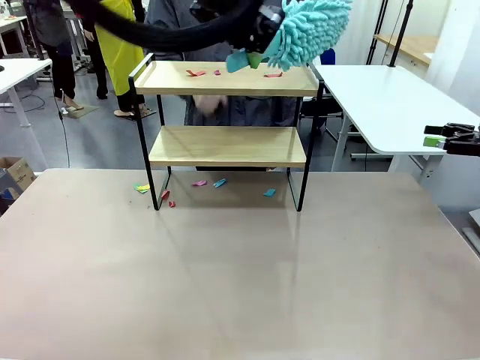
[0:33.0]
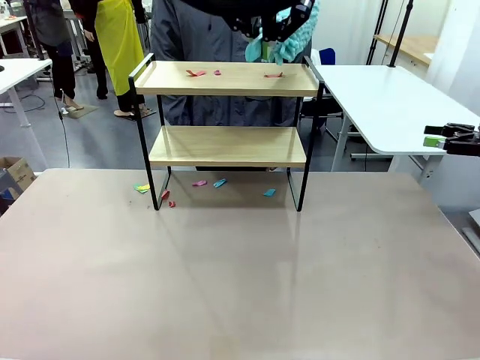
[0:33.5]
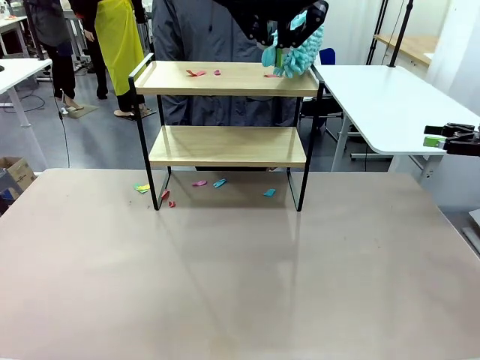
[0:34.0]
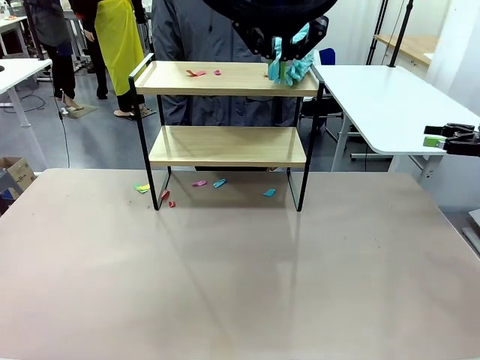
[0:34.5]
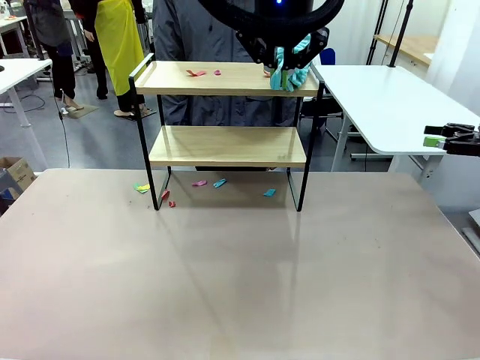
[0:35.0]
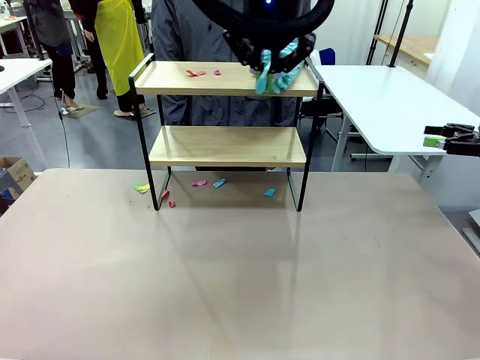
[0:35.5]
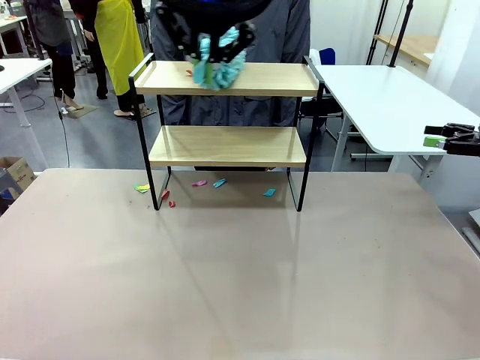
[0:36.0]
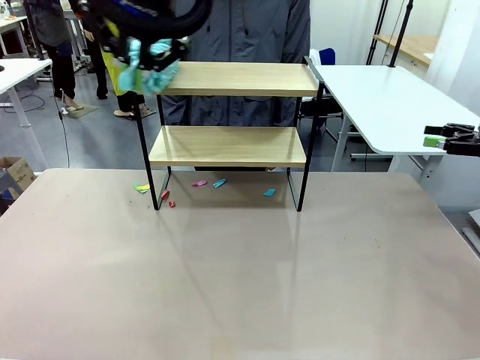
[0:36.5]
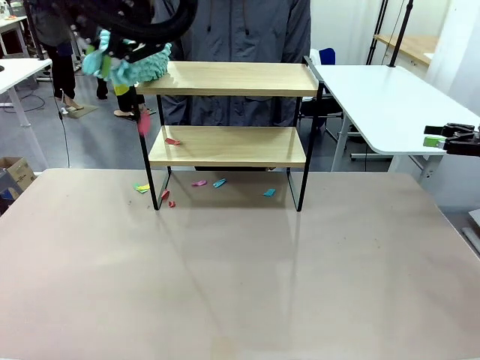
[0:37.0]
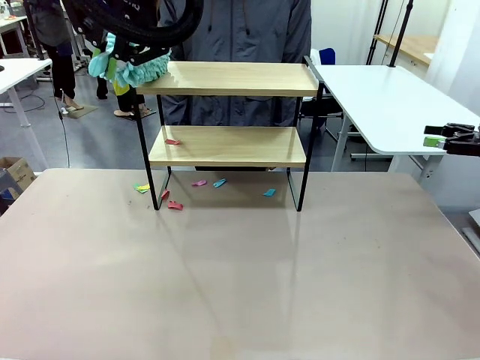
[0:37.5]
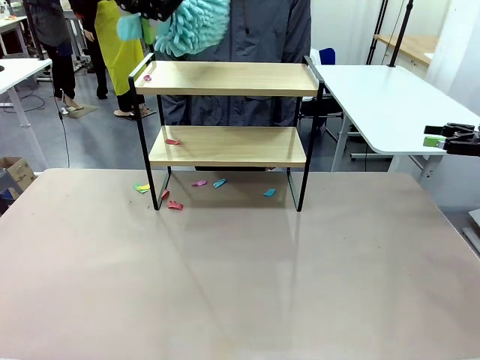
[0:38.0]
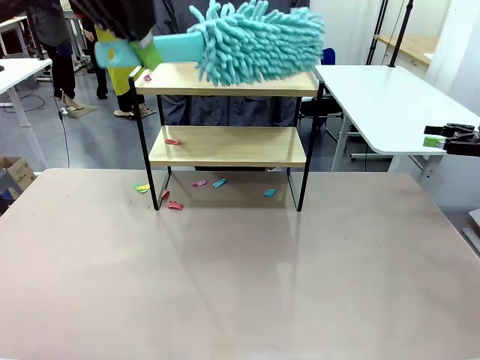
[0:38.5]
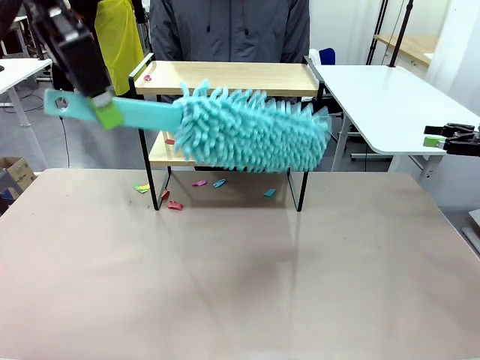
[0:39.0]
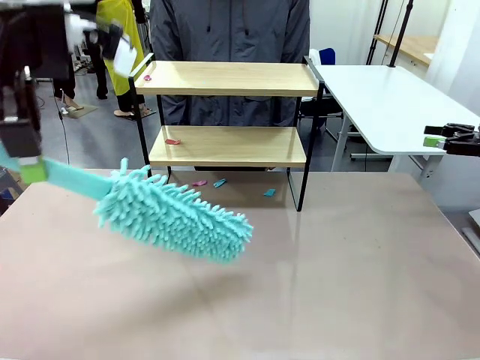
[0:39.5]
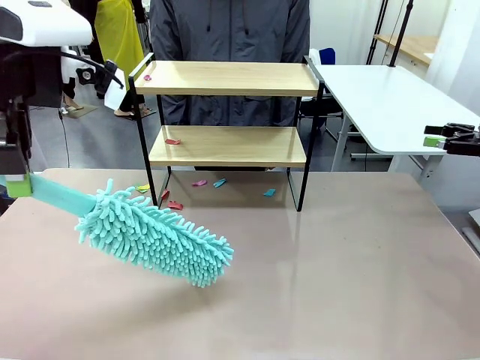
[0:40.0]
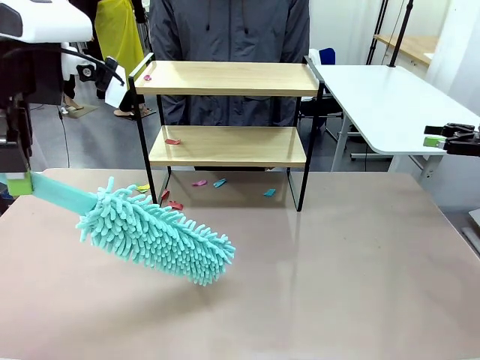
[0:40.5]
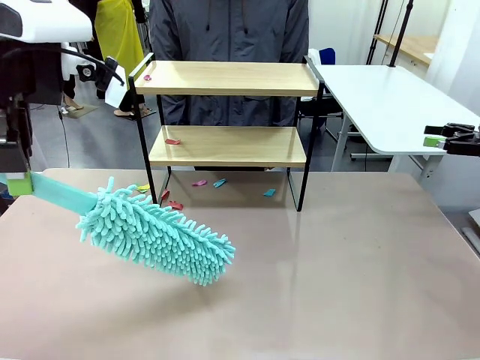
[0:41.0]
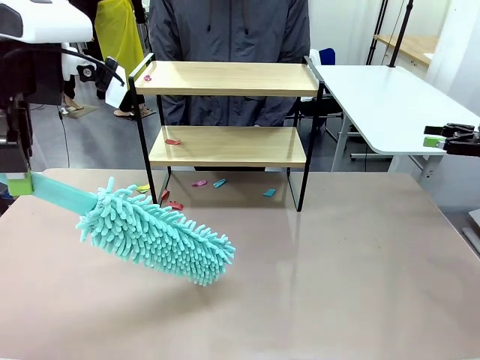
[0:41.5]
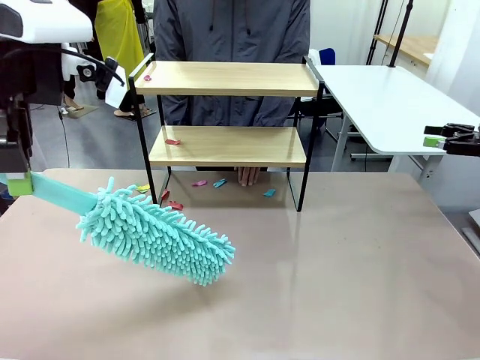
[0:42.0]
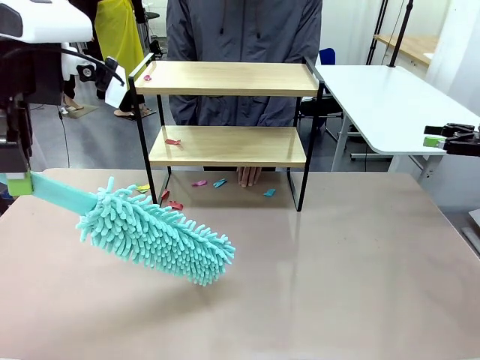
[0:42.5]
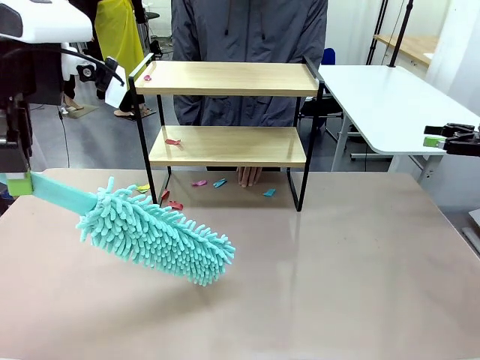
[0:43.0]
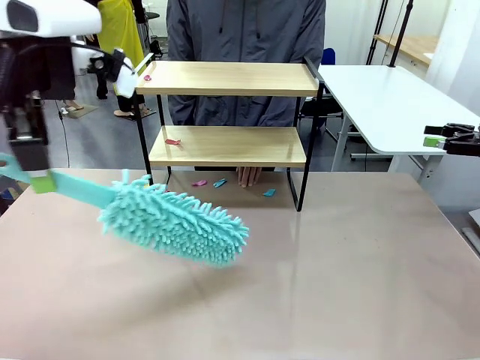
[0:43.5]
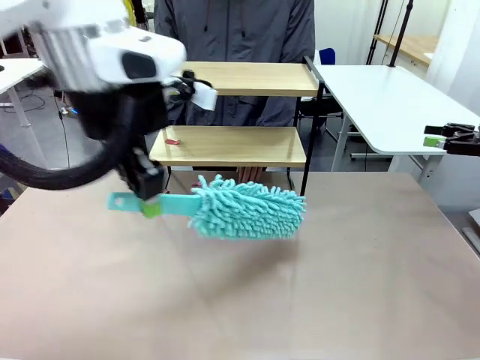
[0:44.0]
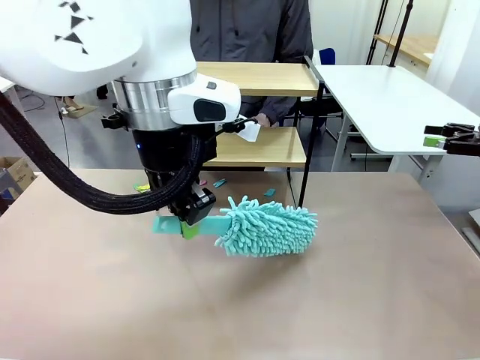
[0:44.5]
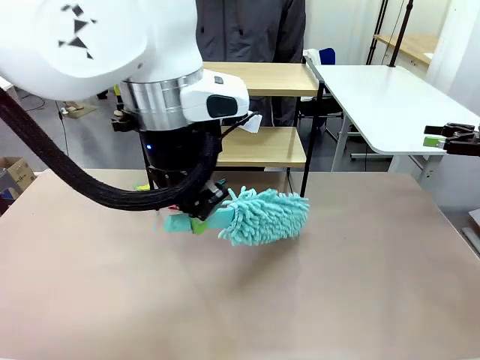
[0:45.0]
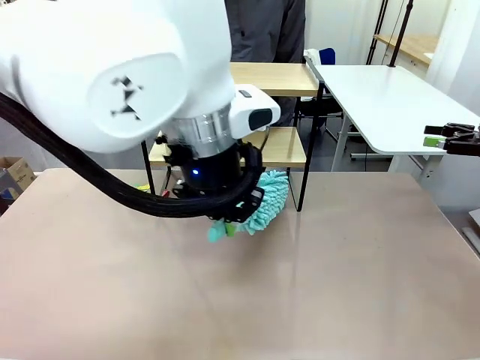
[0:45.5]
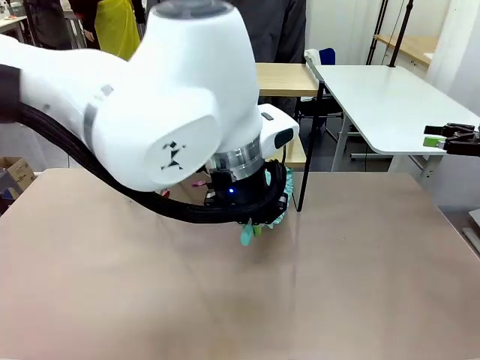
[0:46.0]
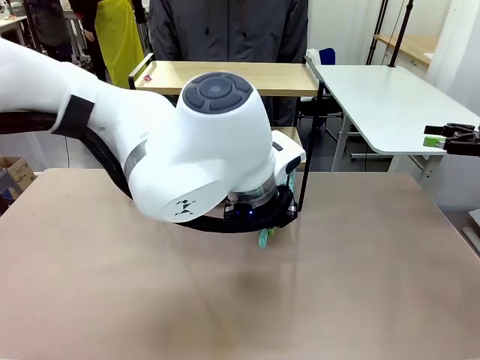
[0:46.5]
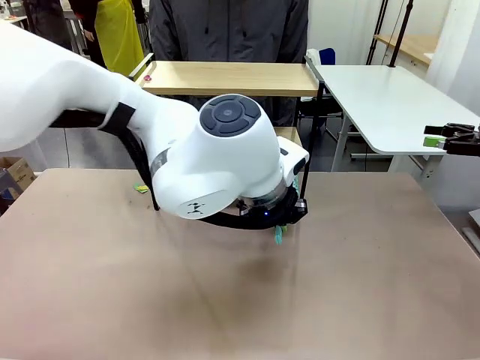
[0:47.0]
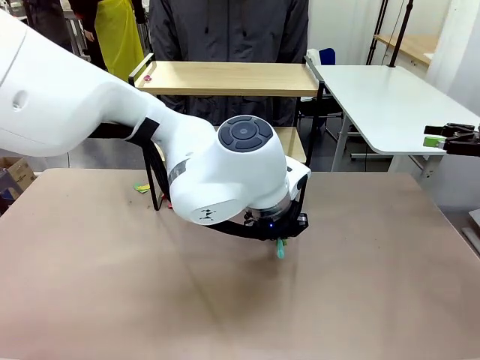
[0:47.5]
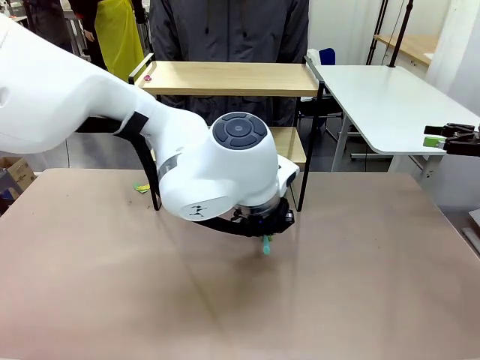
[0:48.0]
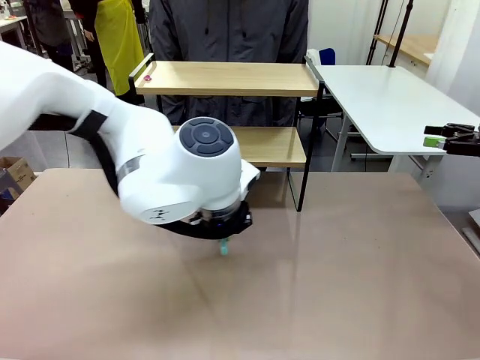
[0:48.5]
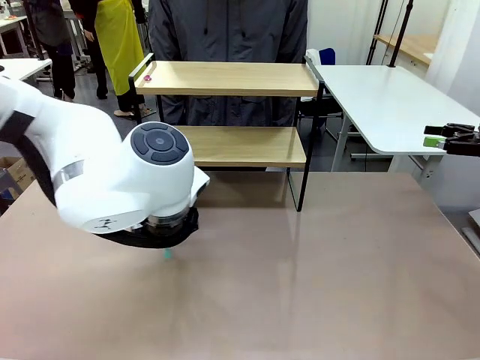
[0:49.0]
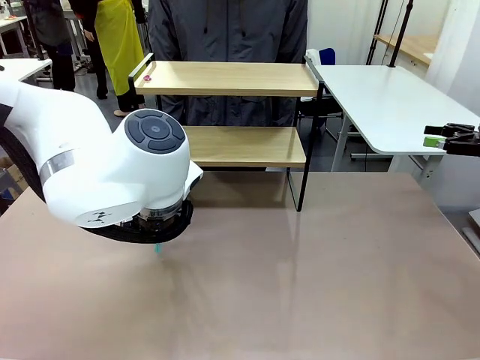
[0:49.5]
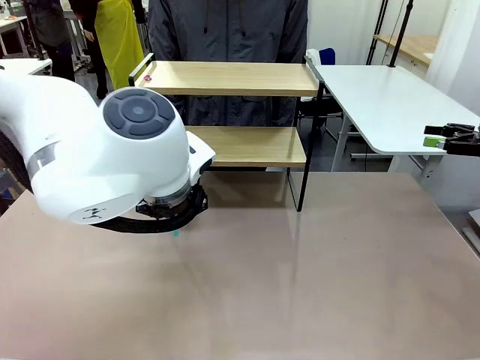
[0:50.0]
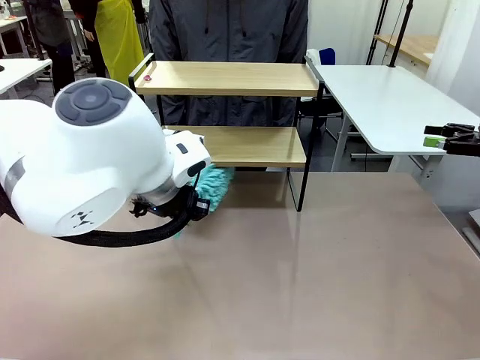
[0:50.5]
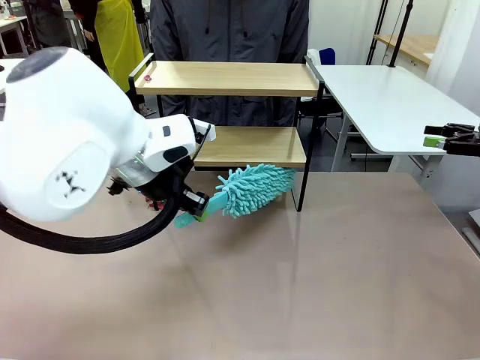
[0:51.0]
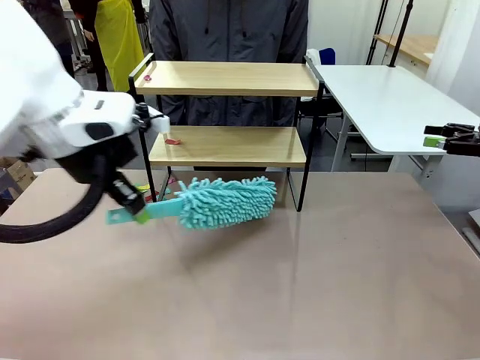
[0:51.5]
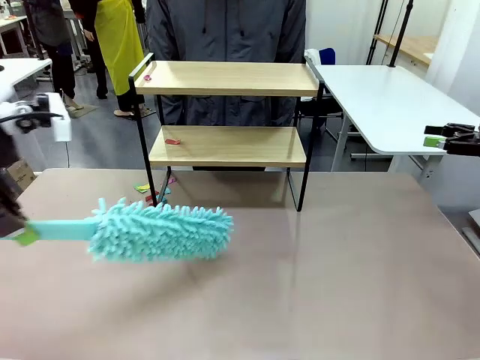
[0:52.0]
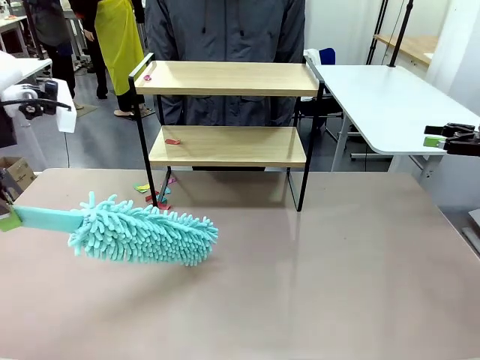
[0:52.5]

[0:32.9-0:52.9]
Task: Clean the shelf.
Robot: Clean the specific section of the Shelf indicated by the human with the Duster.
Person: Point a remaining section of the Shelf.

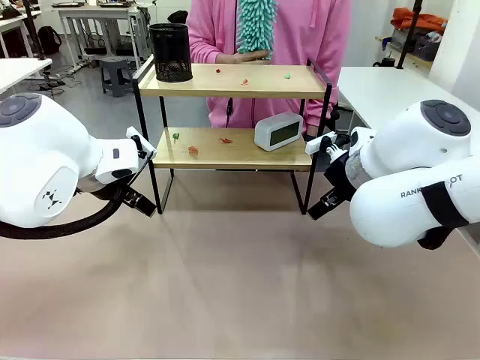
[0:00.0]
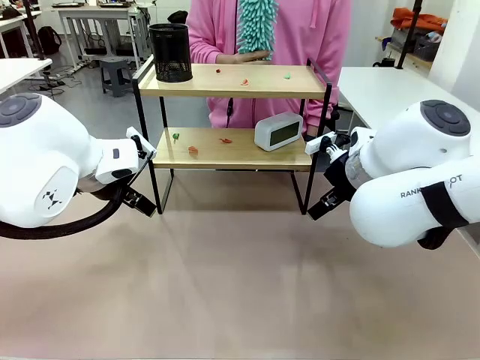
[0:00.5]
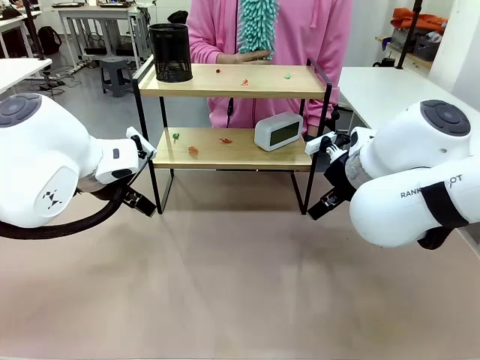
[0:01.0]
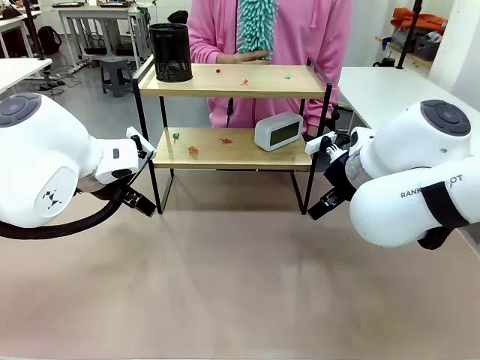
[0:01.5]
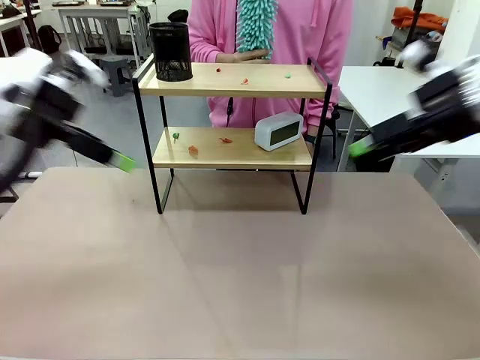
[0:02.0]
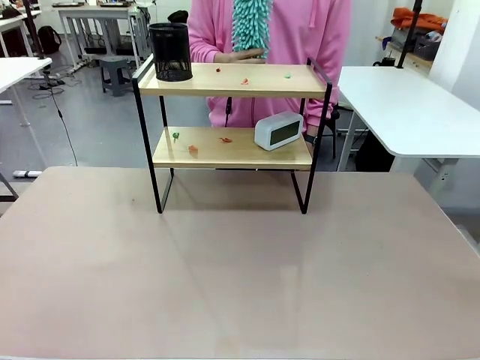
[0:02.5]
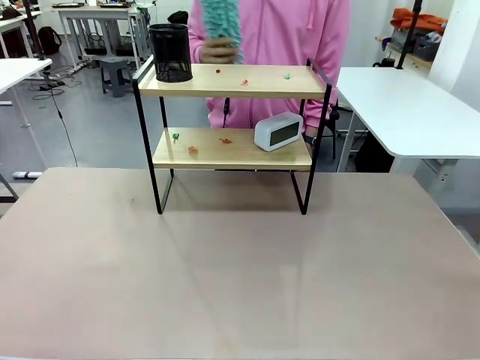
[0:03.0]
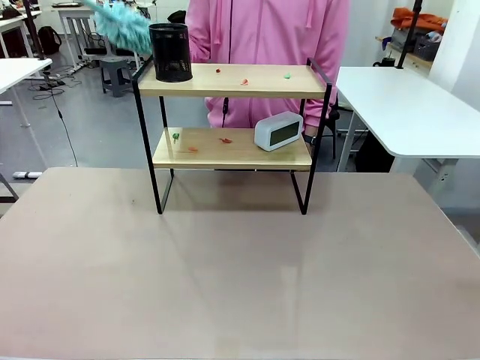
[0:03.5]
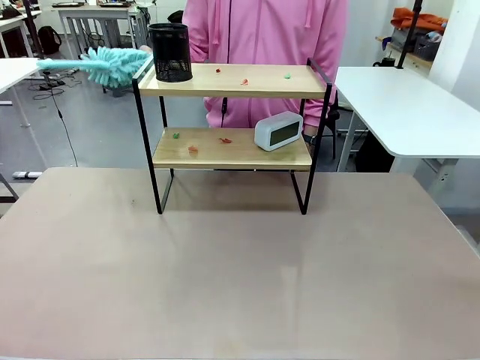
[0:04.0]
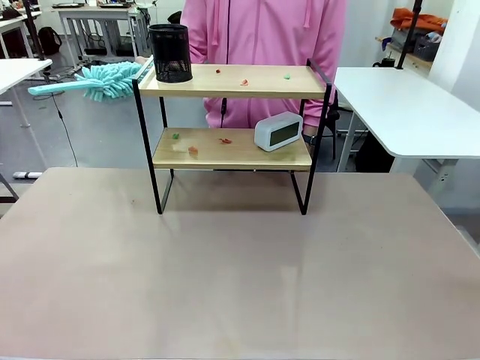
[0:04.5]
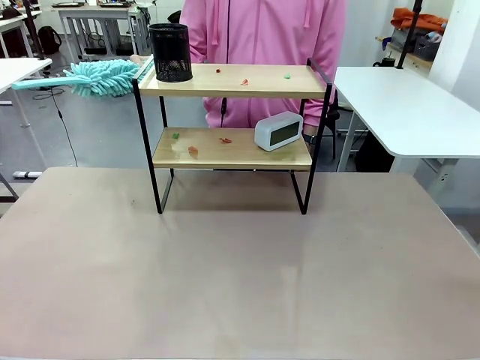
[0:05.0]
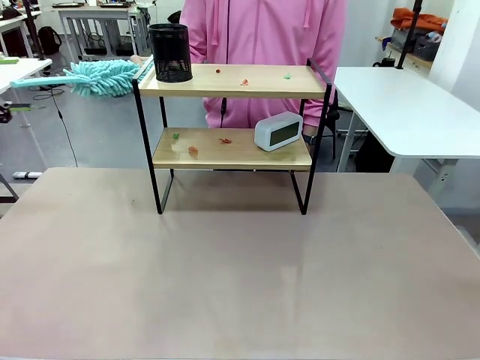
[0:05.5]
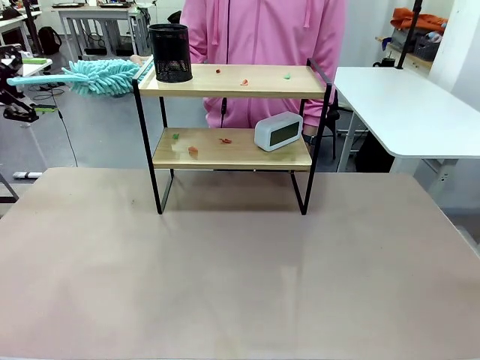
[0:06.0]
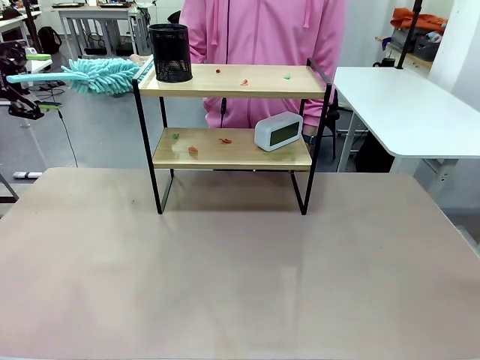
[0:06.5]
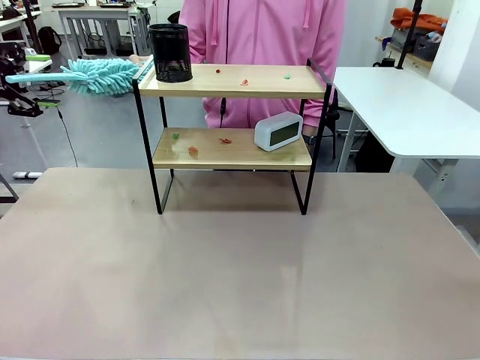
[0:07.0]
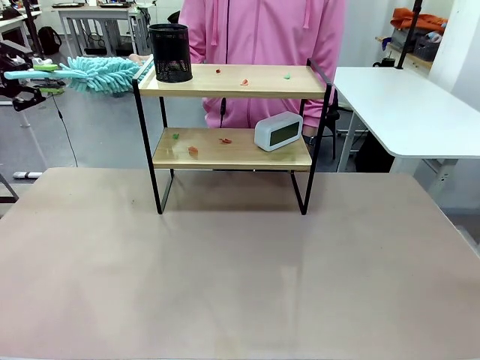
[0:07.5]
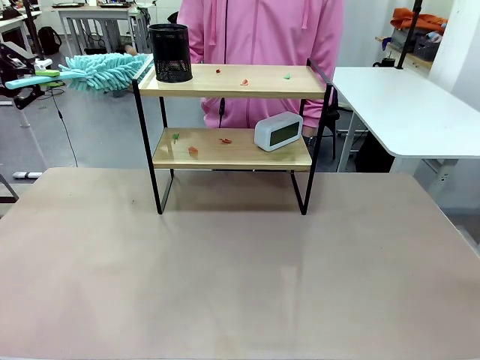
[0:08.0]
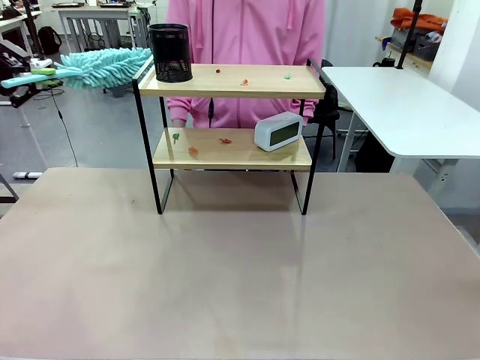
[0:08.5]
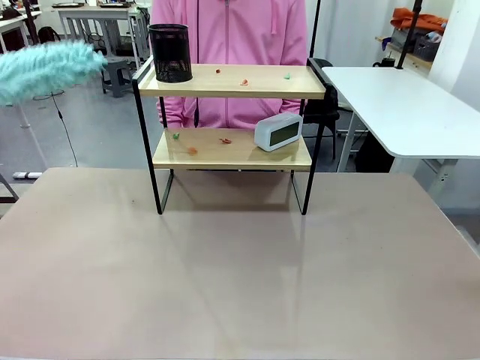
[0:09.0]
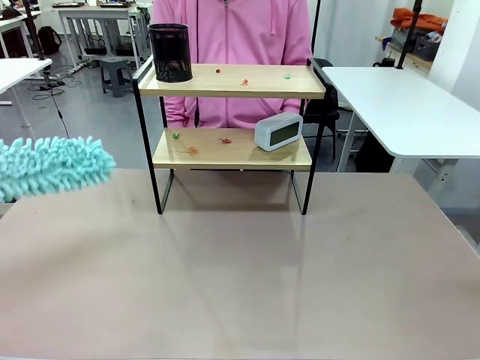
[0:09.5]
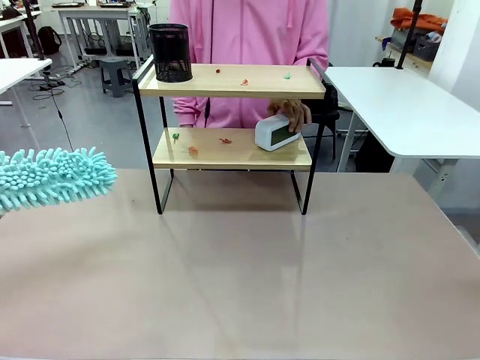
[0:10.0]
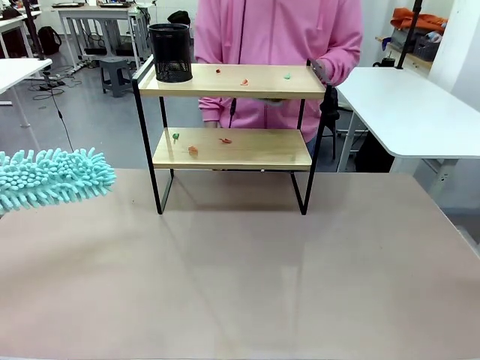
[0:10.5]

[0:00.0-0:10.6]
Task: Clean the shelf.
Robot: Pick up the Duster from the human.
Person: Hand the Duster to the robot. Lift the objects on a randomly selected tier of the Shelf.
